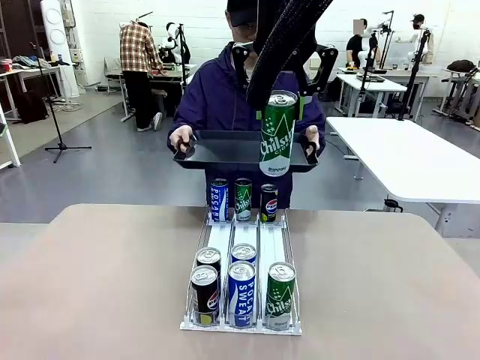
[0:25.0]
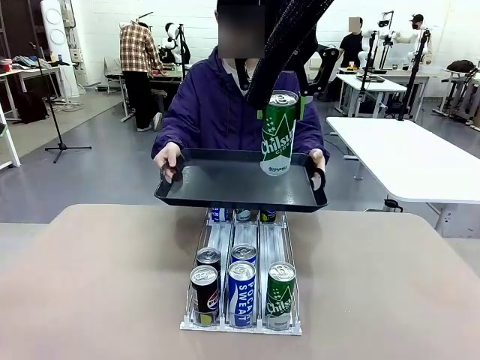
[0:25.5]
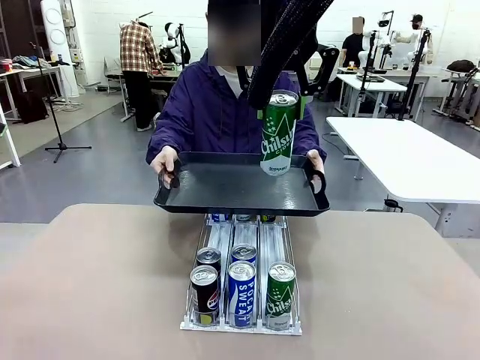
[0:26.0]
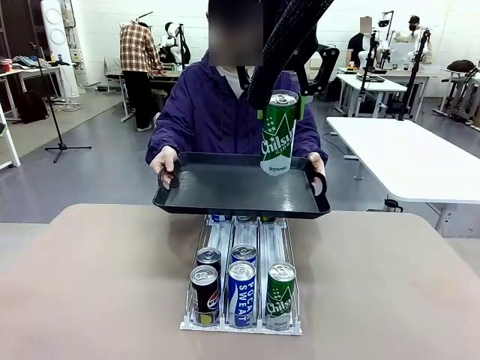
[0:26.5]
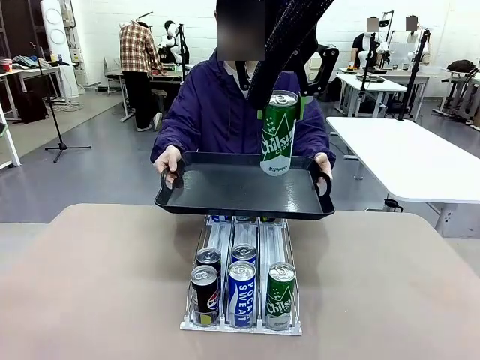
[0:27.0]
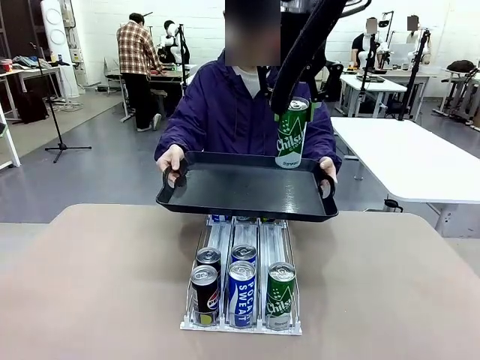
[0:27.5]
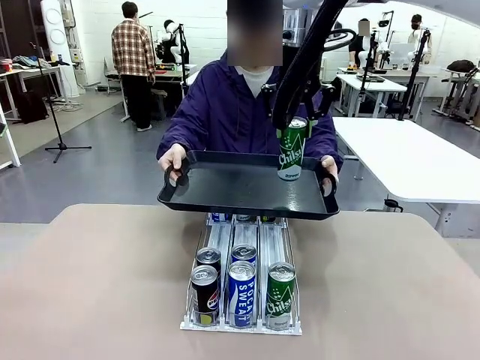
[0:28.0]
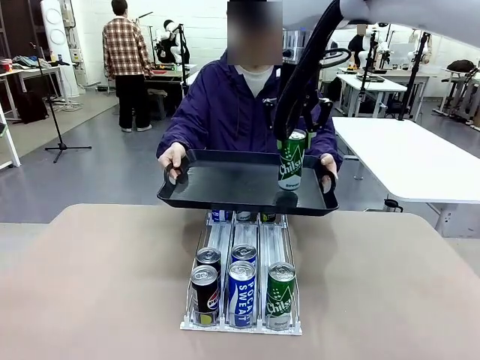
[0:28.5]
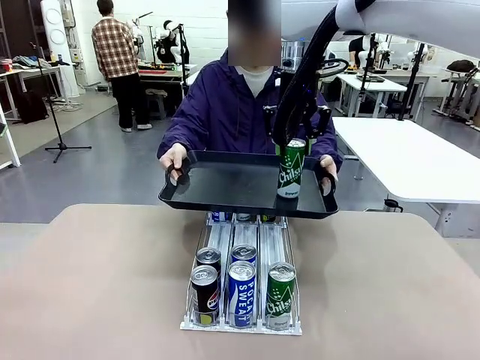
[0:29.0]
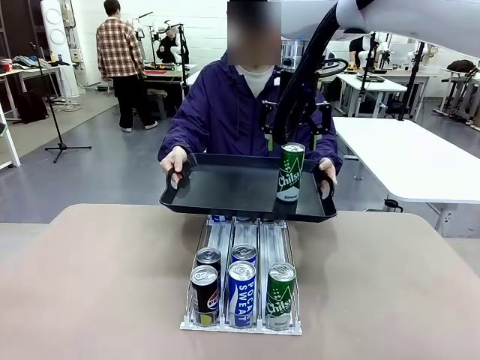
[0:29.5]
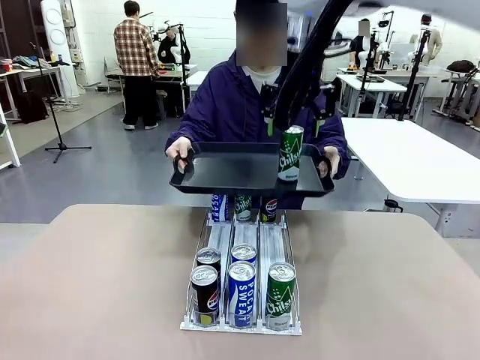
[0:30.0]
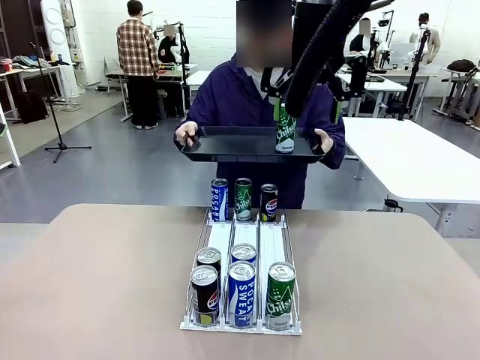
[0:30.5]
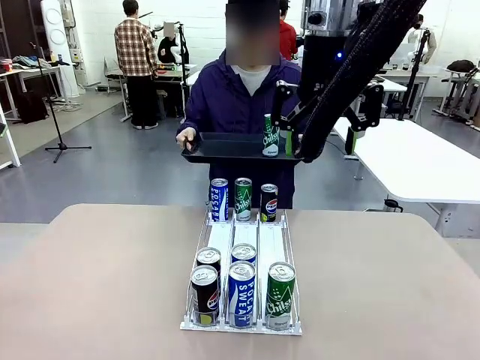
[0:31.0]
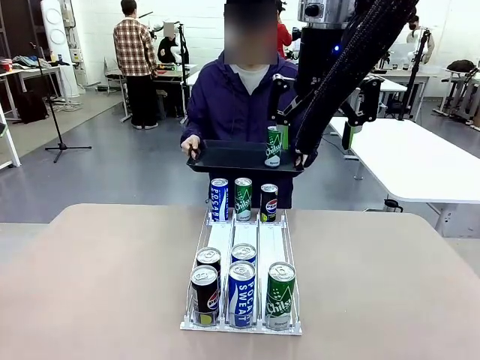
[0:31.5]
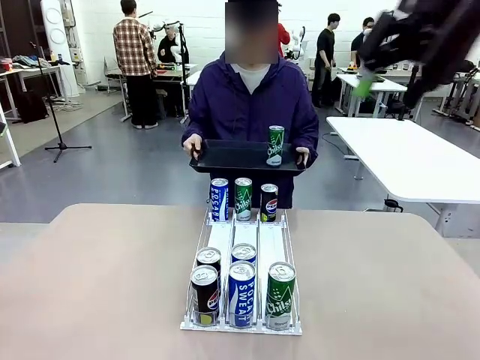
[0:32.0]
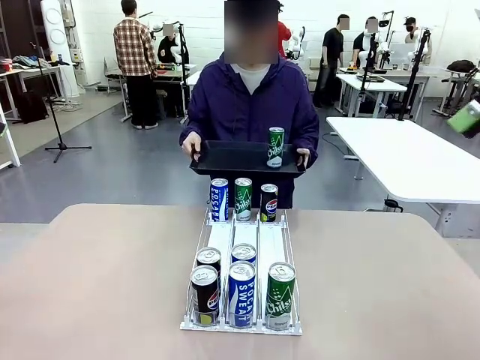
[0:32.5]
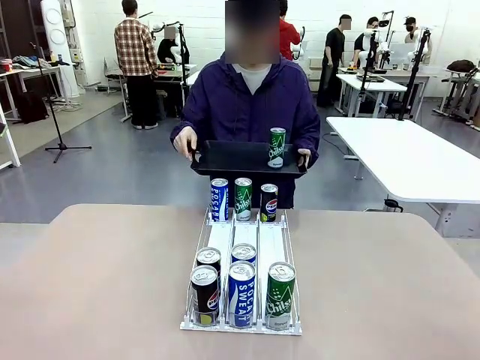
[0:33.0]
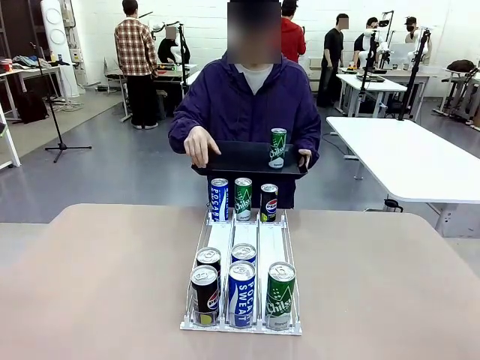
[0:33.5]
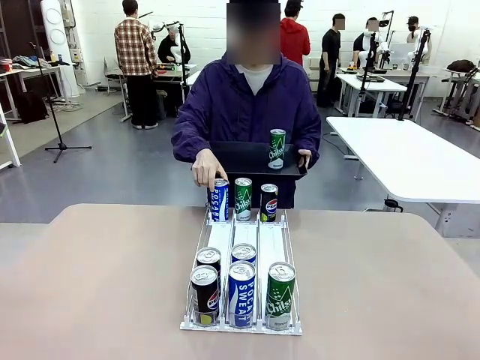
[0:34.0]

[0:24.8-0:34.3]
Task: Retrieve and hand over the desired beverage to the person.
Robot: Place the picked can on the Handle tray extended by the person.
Person: Pull the tray back, then pick up another can from the bottom area of the table and puts it back in its original place.

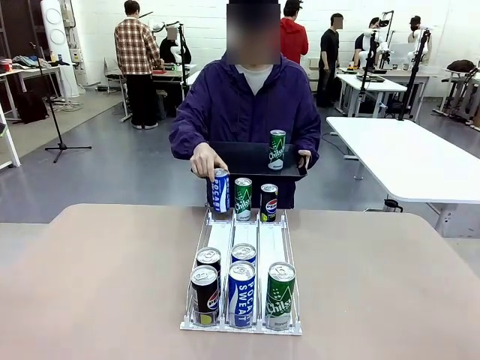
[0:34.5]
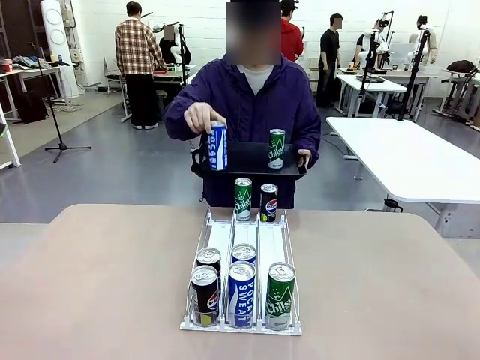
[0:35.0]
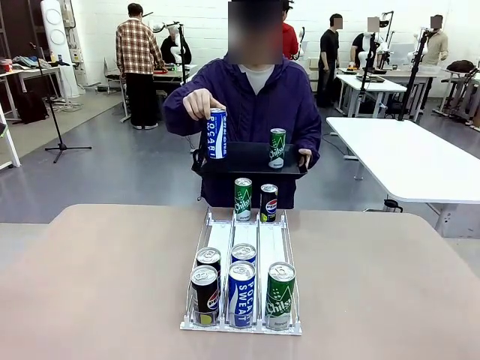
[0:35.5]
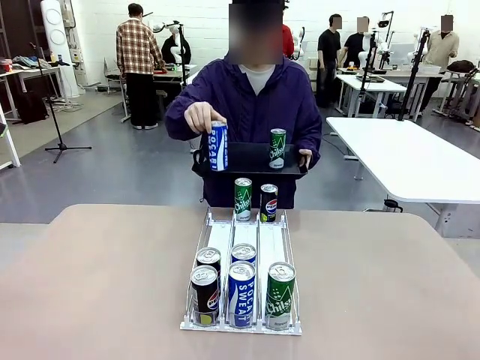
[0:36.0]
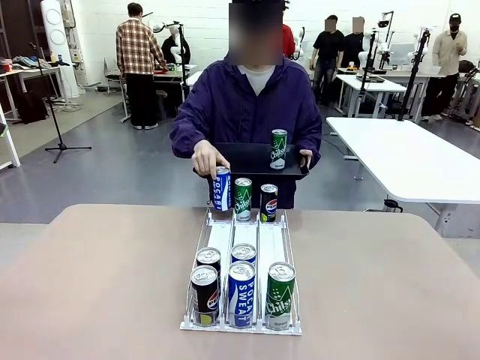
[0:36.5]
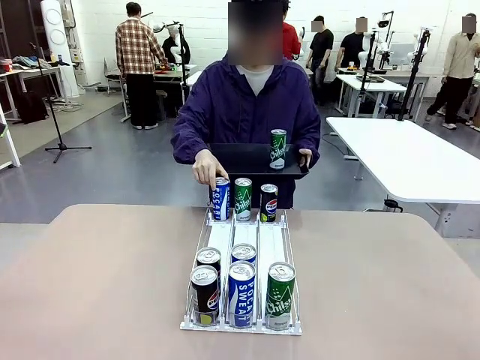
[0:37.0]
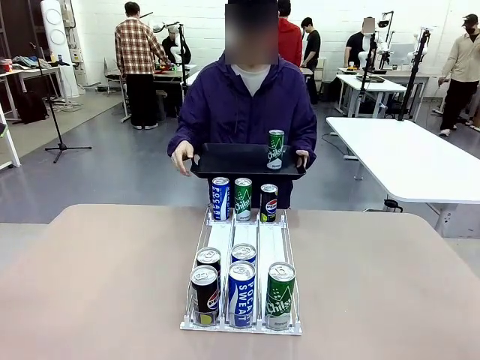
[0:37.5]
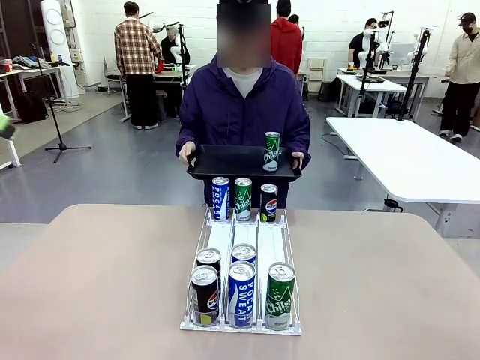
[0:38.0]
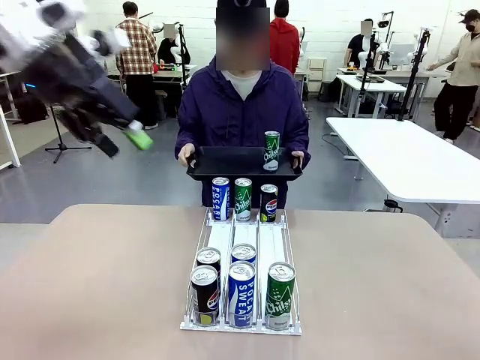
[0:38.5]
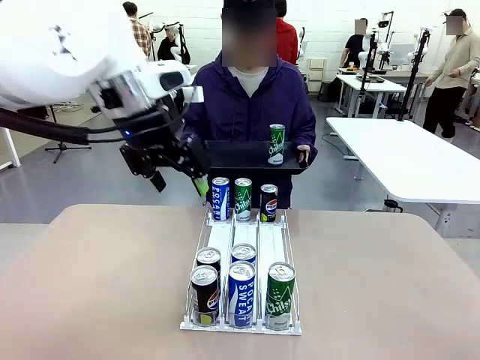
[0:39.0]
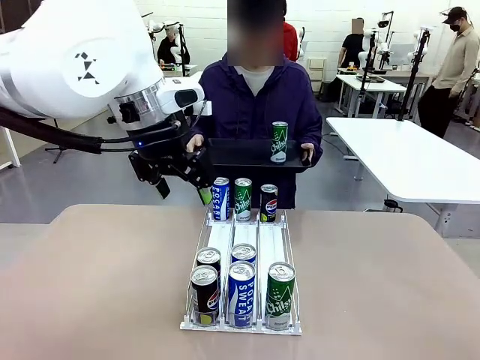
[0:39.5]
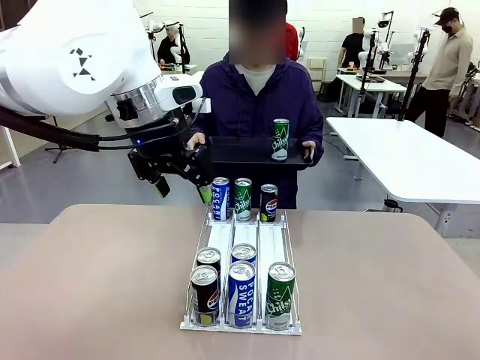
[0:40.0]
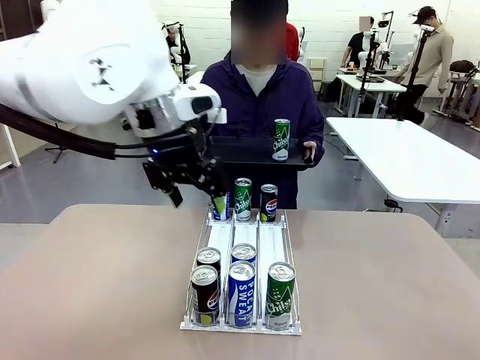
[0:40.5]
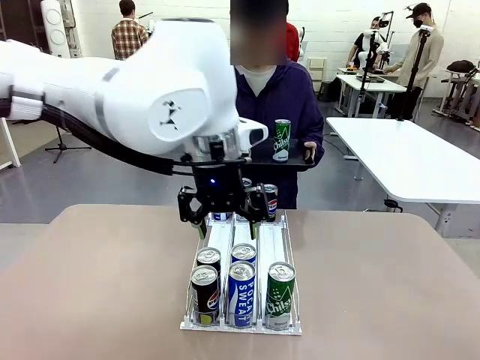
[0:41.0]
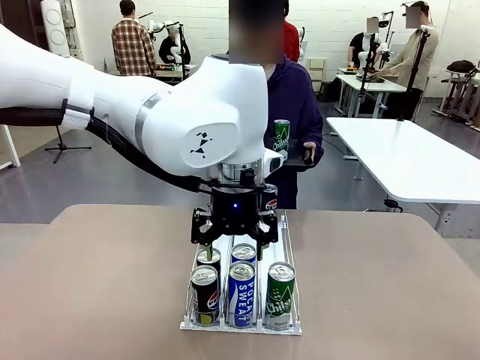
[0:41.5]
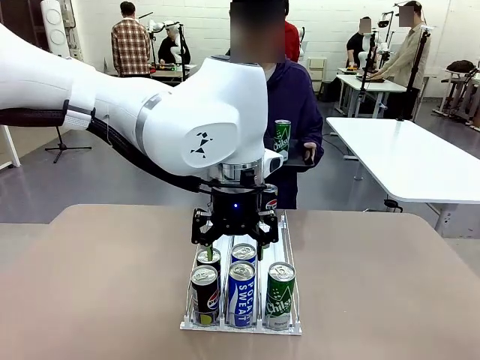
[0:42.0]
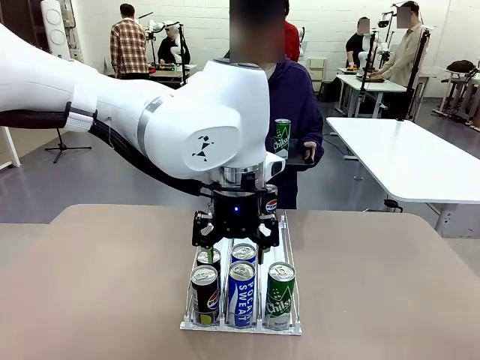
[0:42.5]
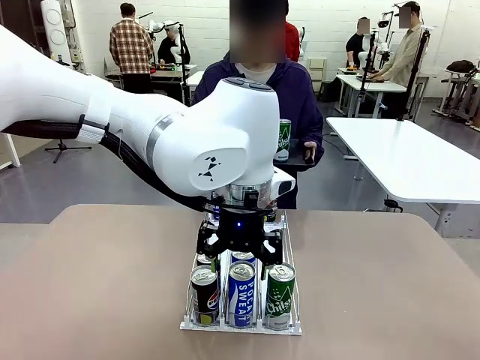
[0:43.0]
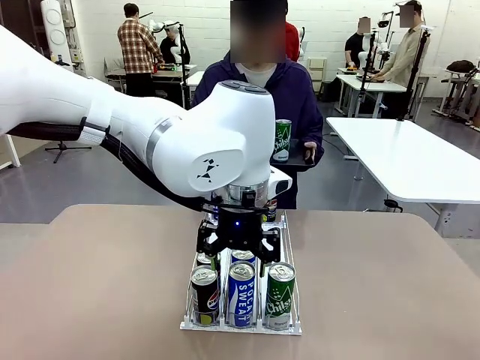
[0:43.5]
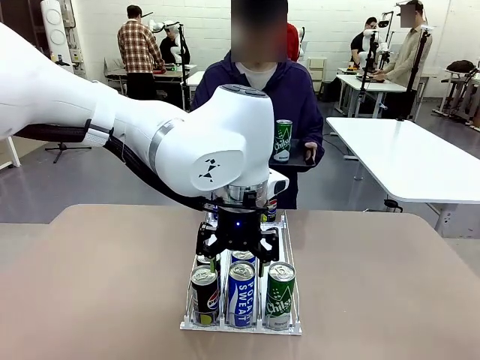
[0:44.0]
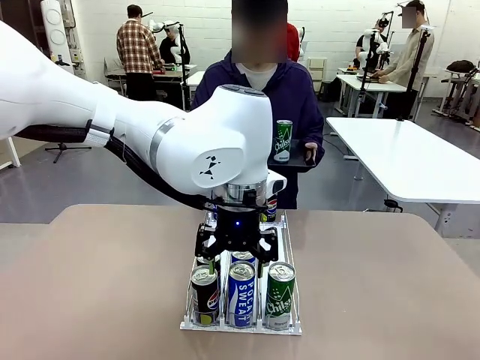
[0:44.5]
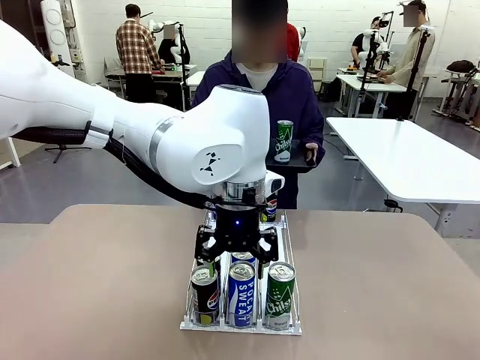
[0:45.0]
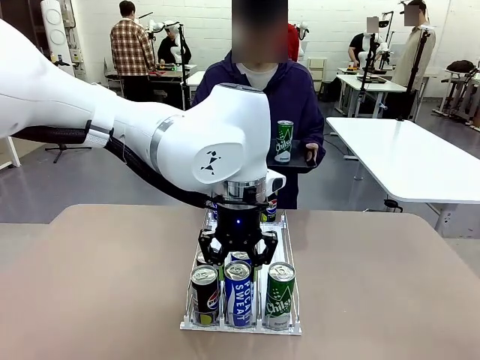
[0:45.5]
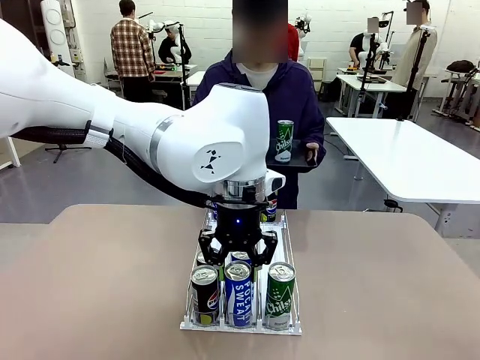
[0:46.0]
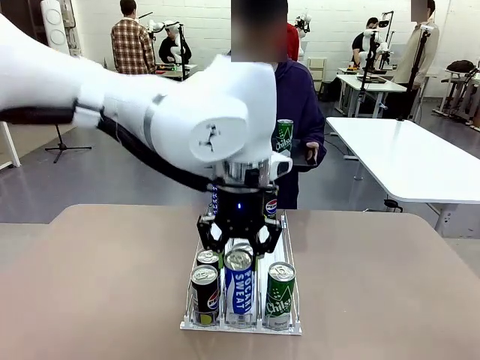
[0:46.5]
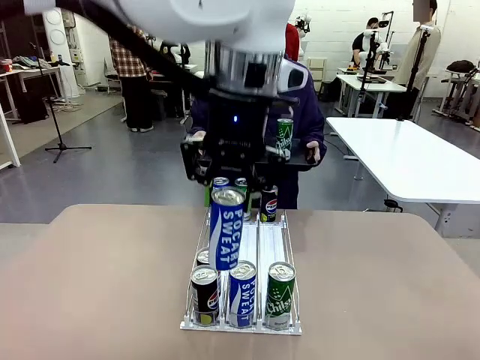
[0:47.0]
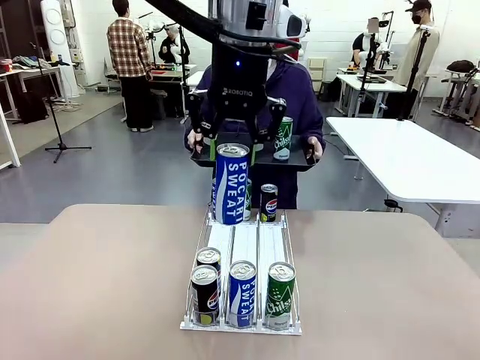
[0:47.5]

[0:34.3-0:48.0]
Robot: Pick up another can of the same type that the person held from the Automatic Can Dispenser.
Person: Push the tray toward the robot again.

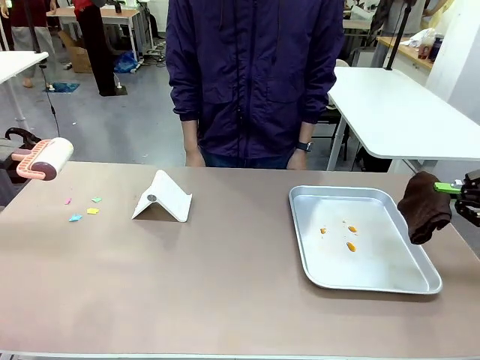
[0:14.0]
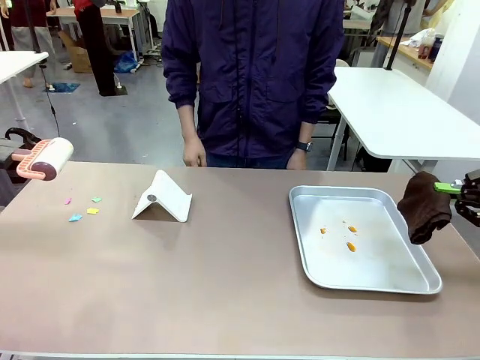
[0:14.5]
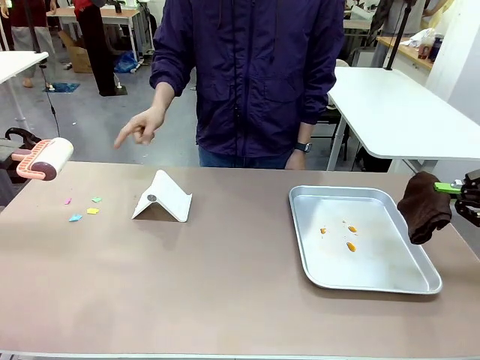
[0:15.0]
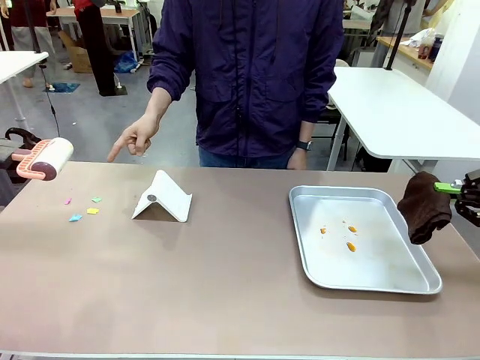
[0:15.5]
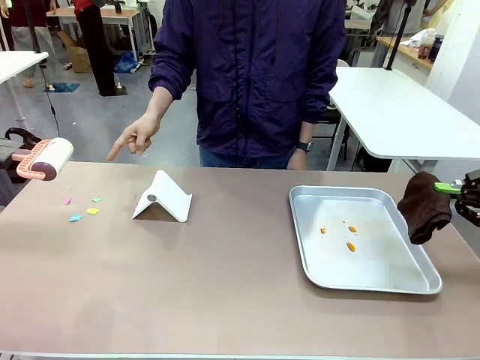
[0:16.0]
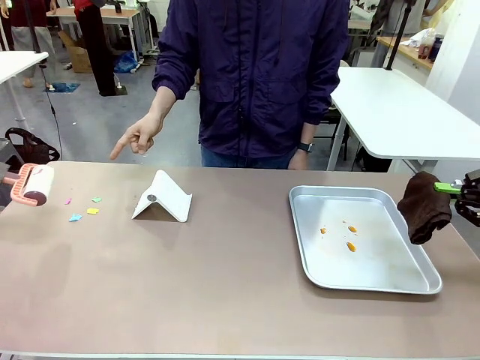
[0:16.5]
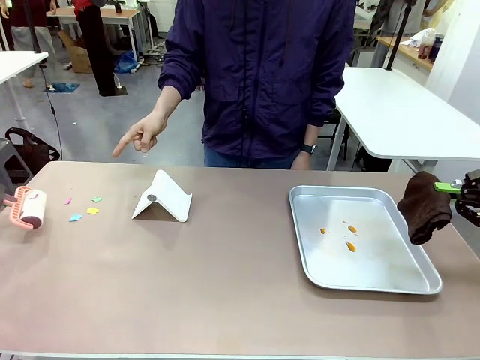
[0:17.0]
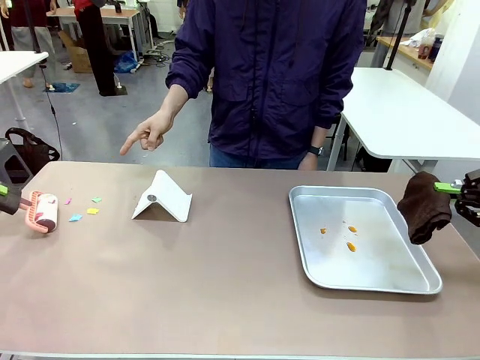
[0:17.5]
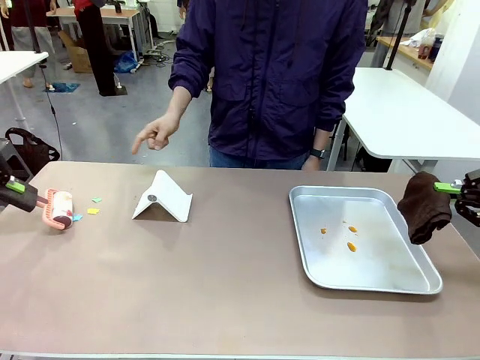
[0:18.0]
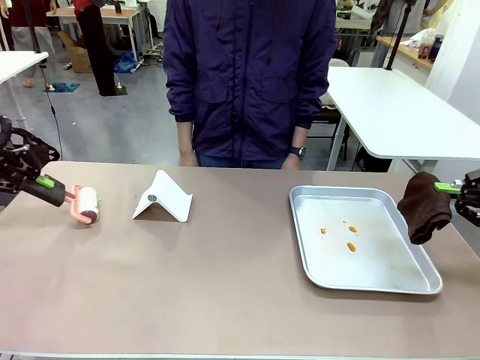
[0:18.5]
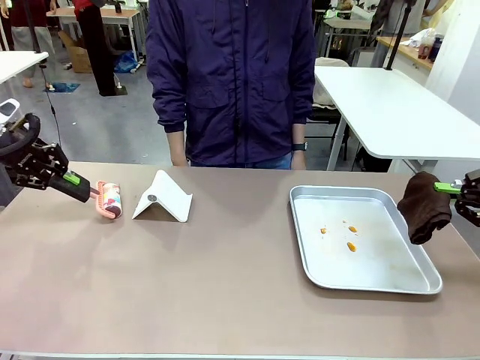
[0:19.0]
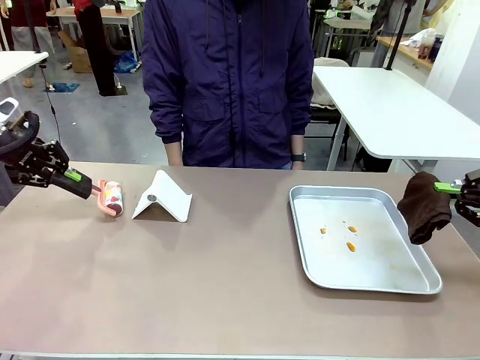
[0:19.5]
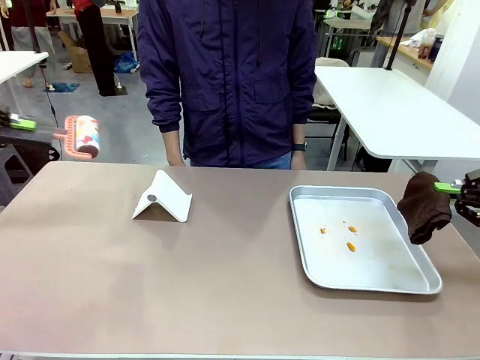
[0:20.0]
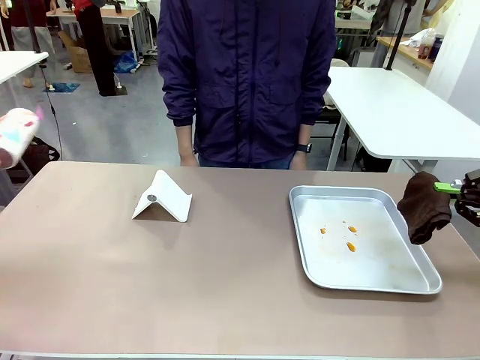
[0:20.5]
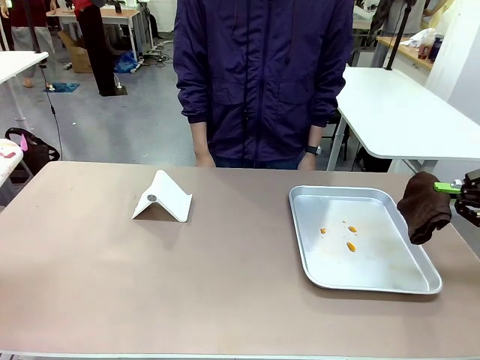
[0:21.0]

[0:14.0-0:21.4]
Task: Clean the surface of the table.
Robot: If a person points to the right, clean the right side of the table with your right hand, and if they point to the left, clean the left side with your left hand.
